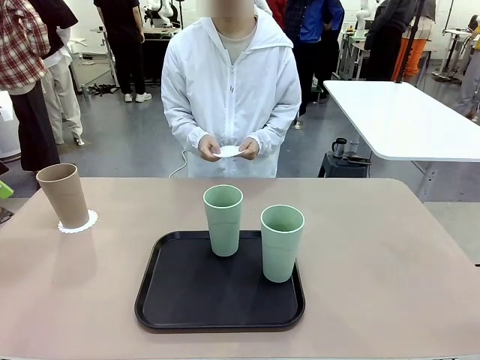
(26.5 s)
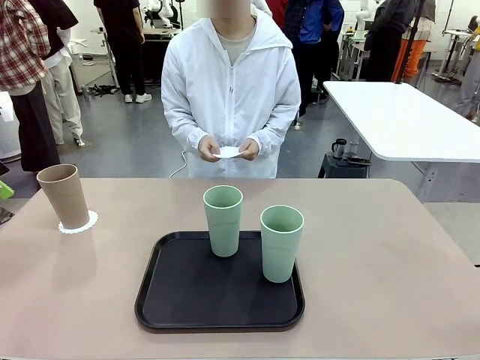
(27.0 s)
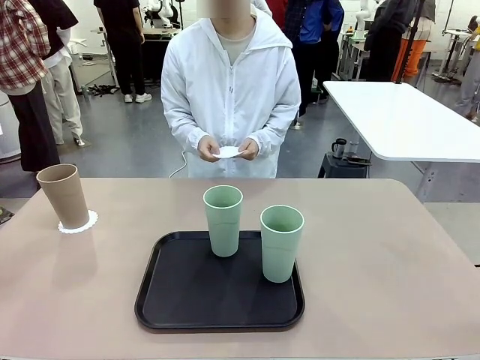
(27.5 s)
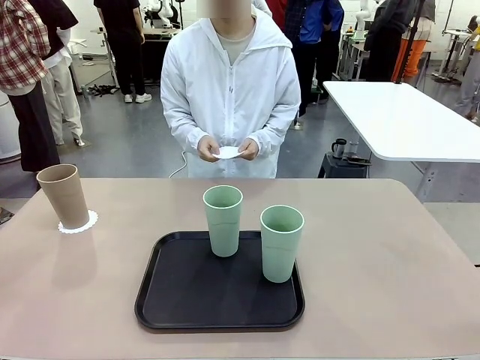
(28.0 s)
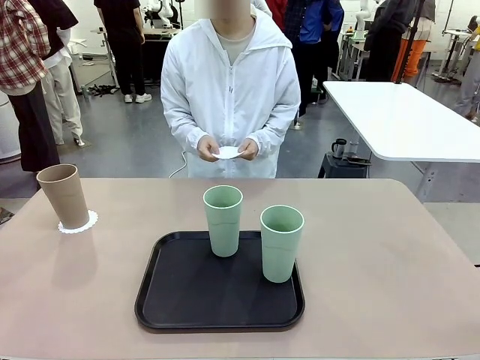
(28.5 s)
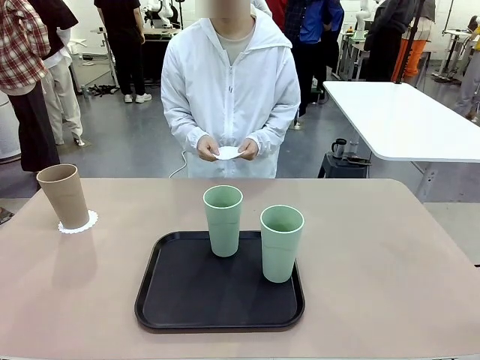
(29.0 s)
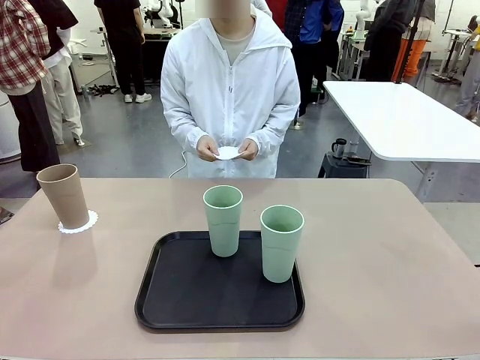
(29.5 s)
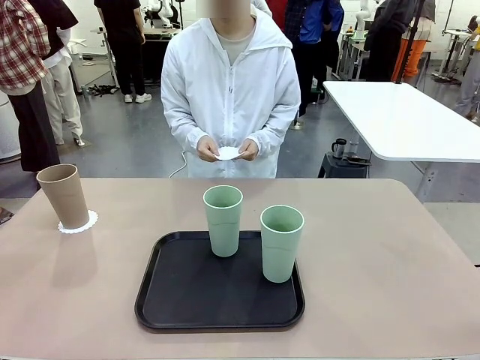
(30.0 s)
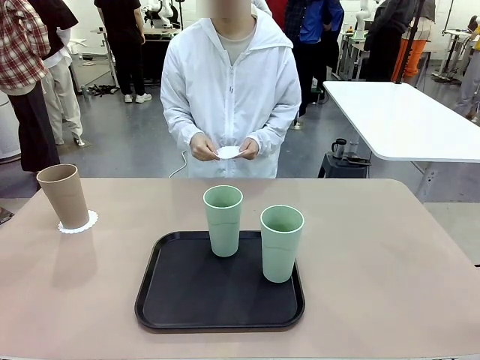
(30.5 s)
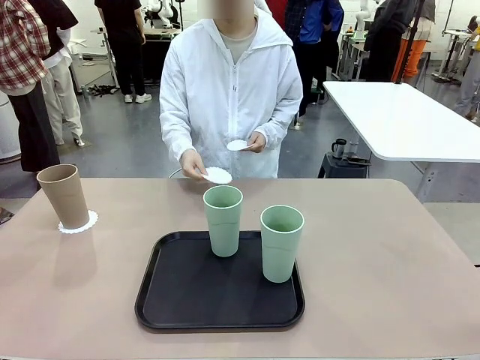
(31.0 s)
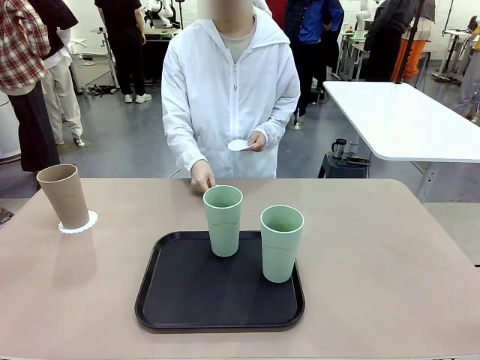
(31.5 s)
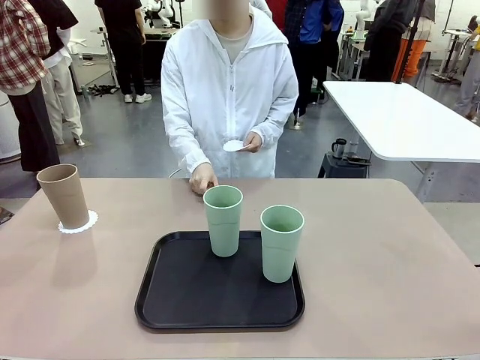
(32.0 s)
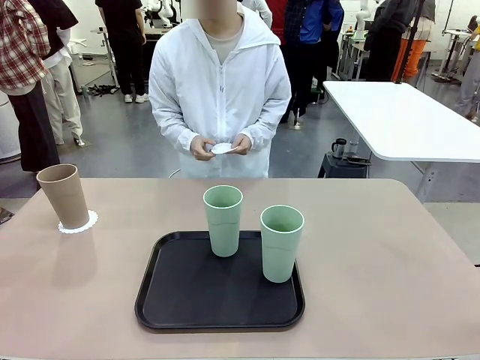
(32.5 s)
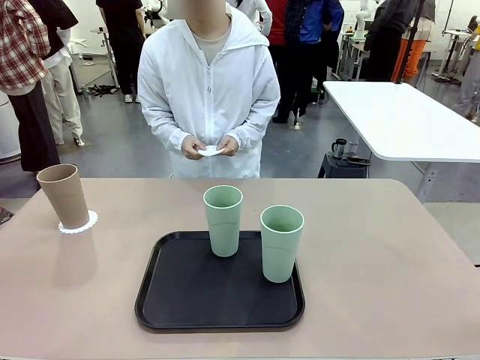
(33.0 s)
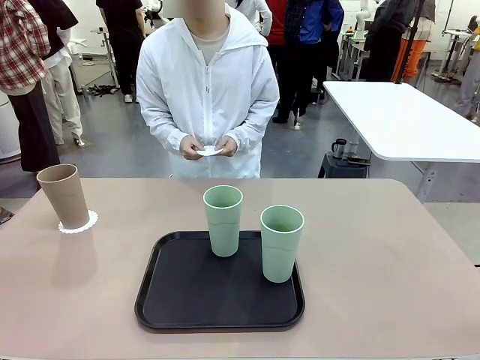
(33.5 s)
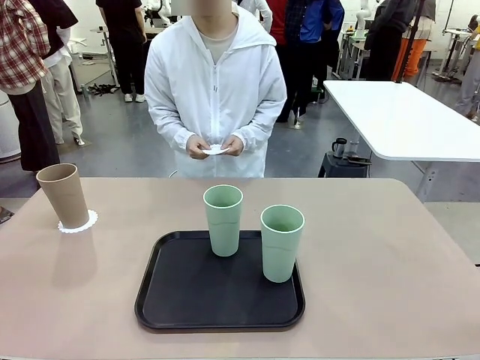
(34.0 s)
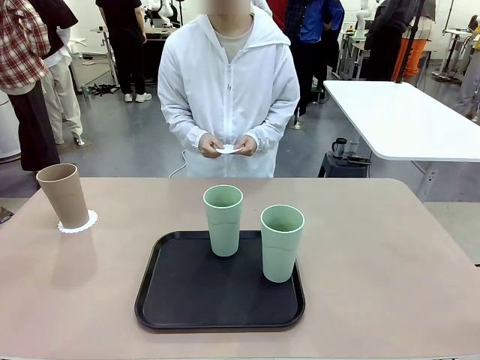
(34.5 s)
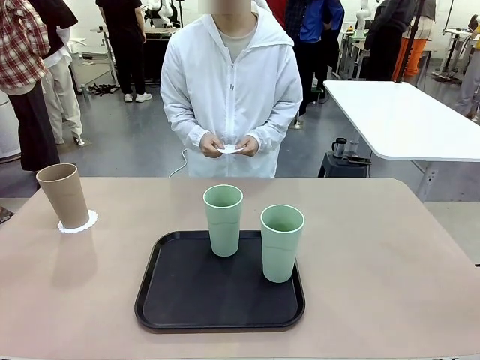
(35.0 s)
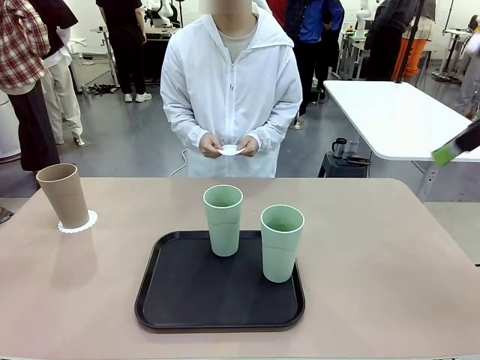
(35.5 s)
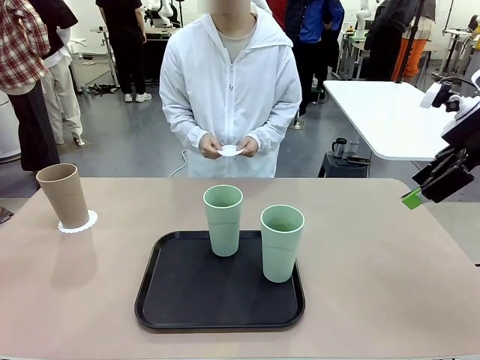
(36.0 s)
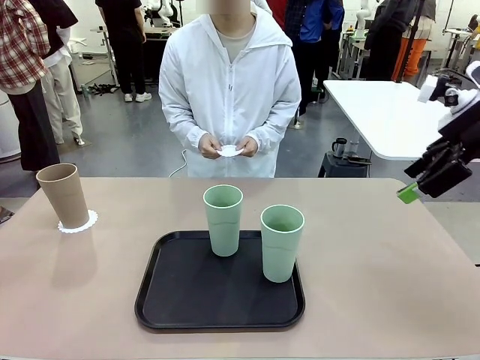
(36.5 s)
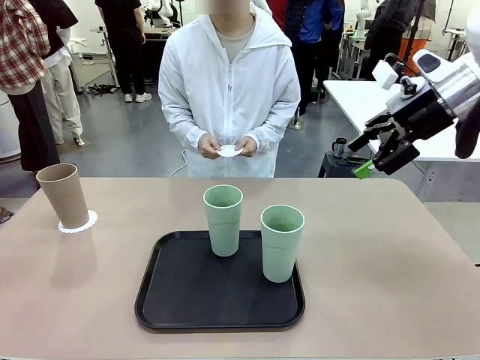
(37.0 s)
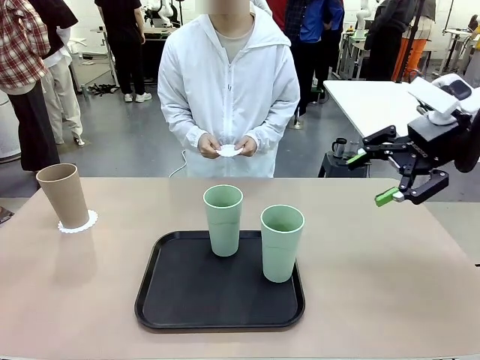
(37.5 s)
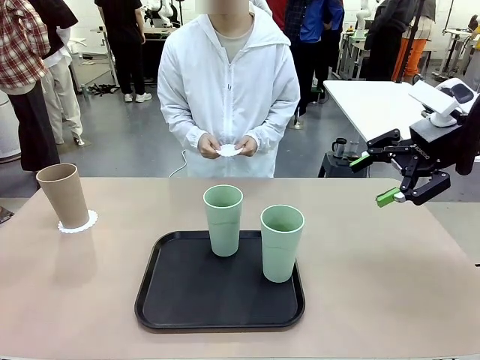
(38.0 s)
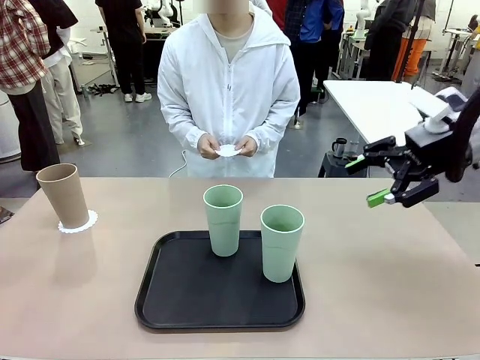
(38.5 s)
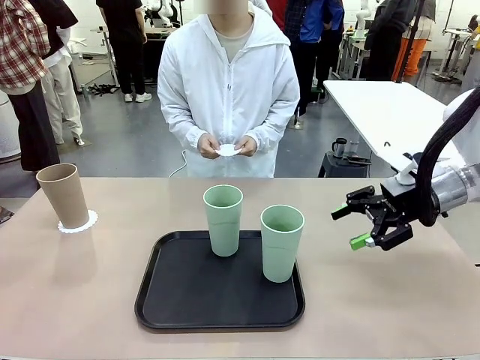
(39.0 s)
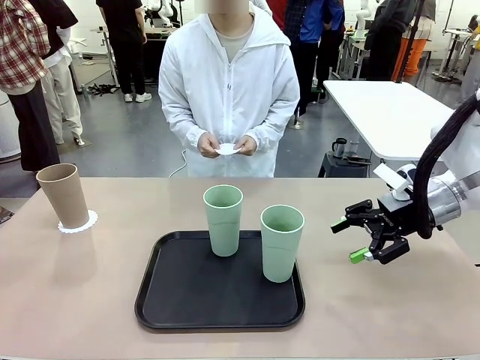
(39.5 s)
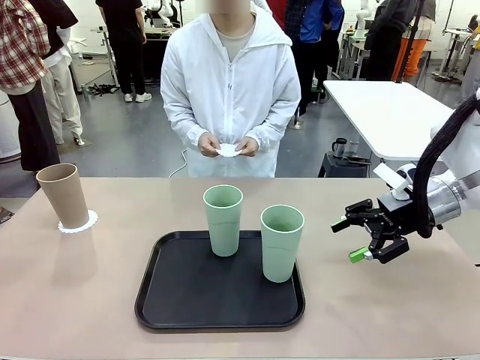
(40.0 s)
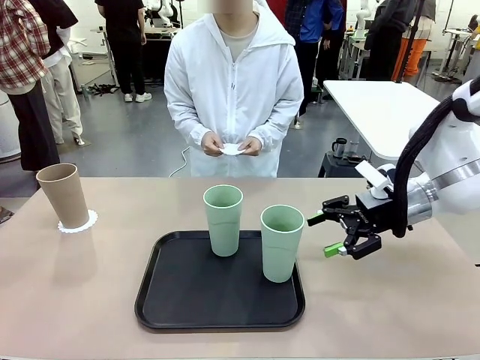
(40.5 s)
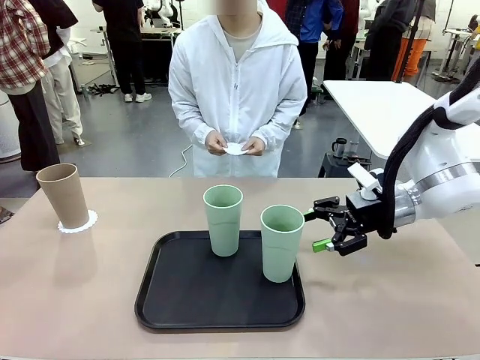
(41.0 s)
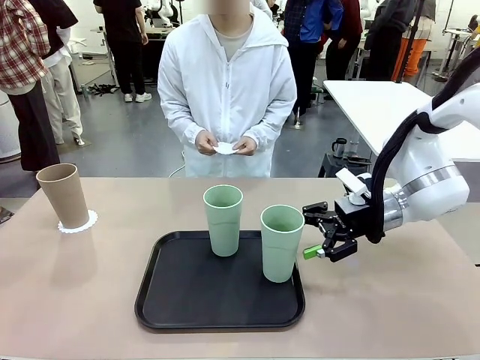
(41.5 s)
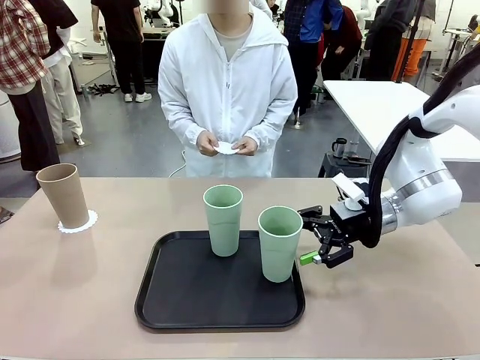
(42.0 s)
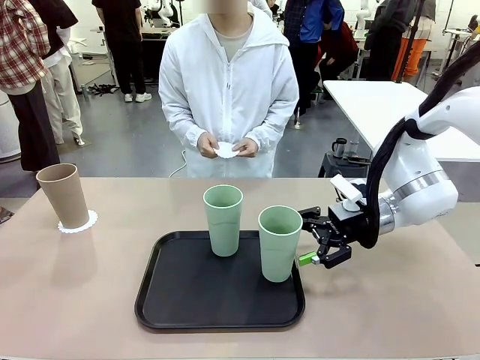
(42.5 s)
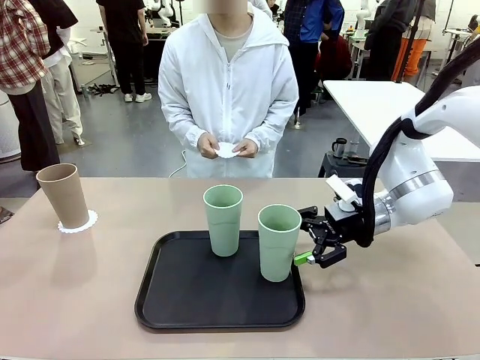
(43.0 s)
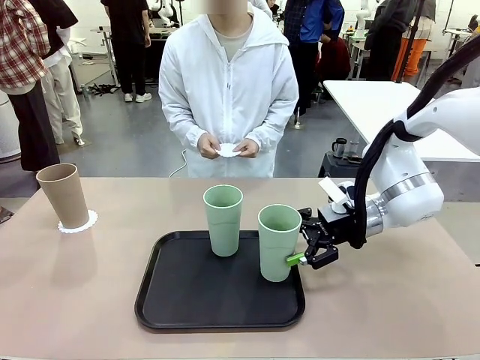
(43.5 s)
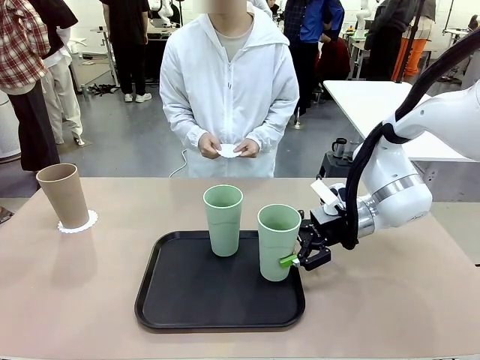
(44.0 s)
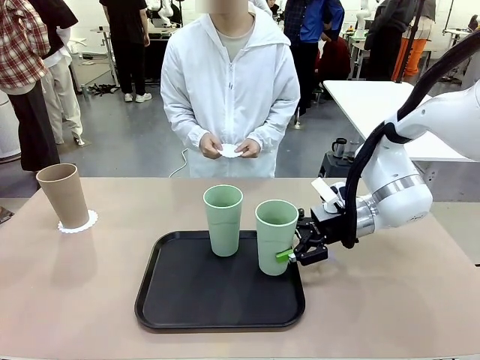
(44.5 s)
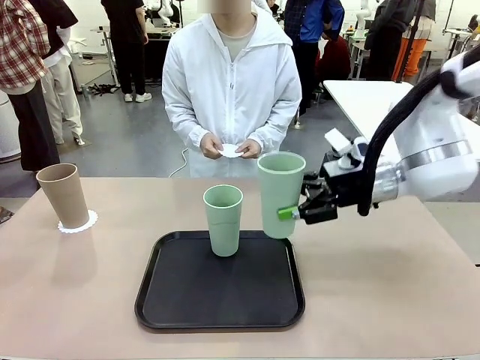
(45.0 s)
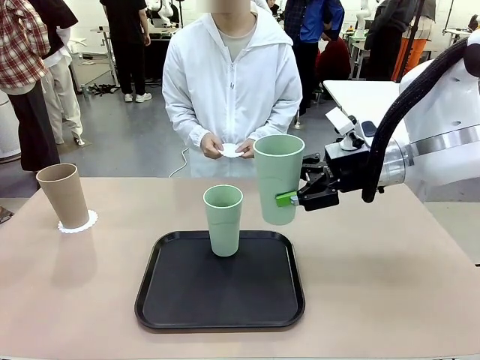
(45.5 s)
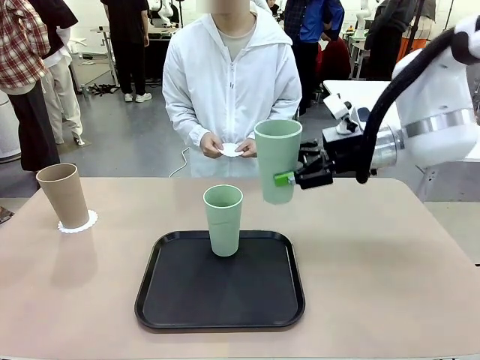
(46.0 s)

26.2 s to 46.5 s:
Task: Place coasters on the table and set cups on them.
Robot: Take one Reusable plastic cup from the Flat Tray and place it on a coaster set by the human.

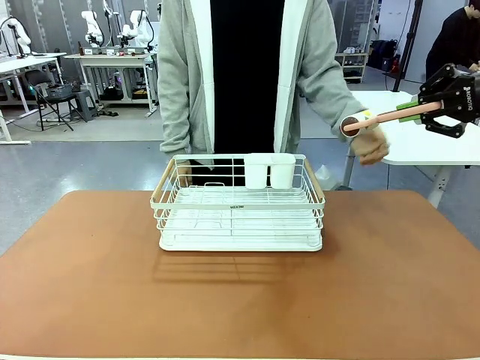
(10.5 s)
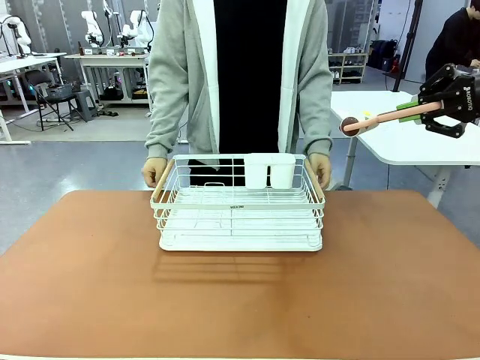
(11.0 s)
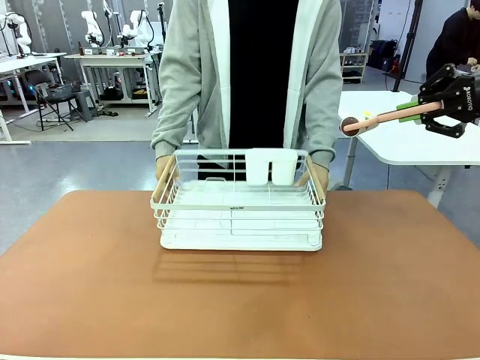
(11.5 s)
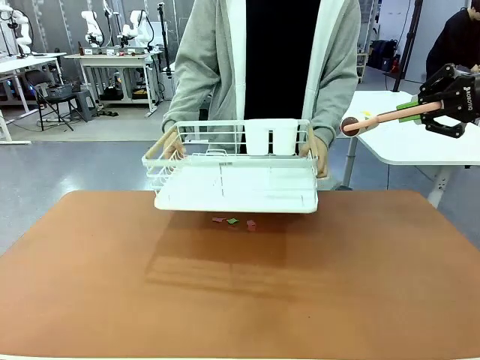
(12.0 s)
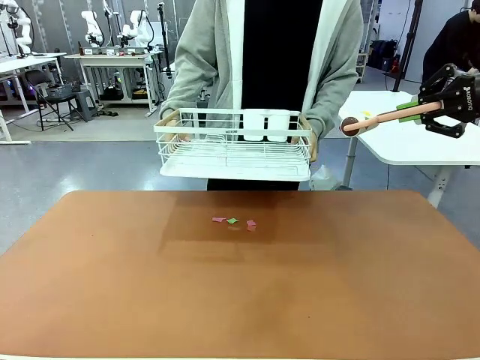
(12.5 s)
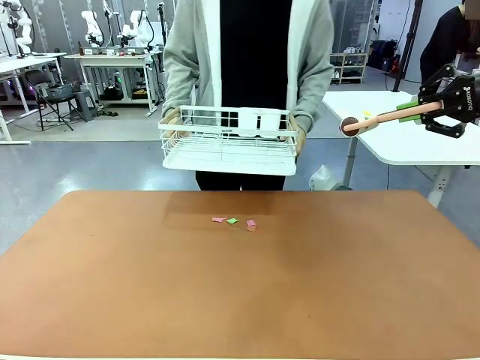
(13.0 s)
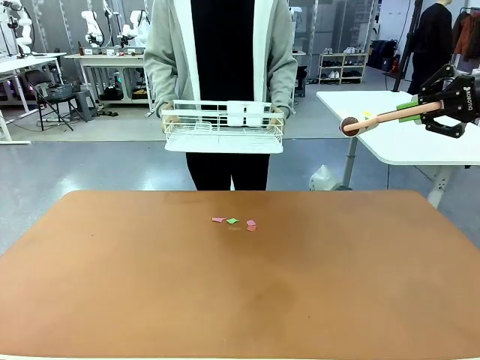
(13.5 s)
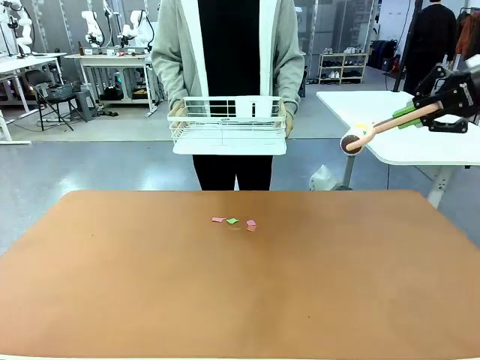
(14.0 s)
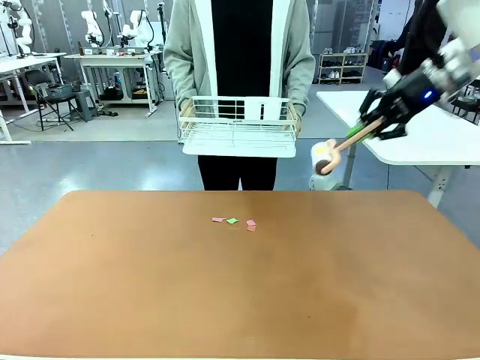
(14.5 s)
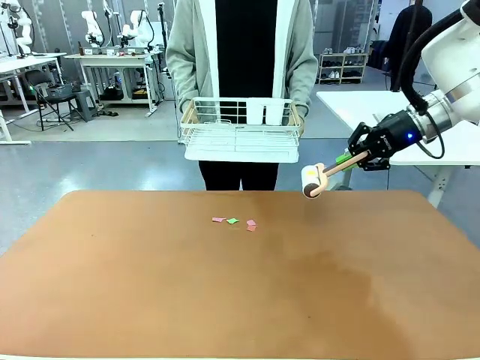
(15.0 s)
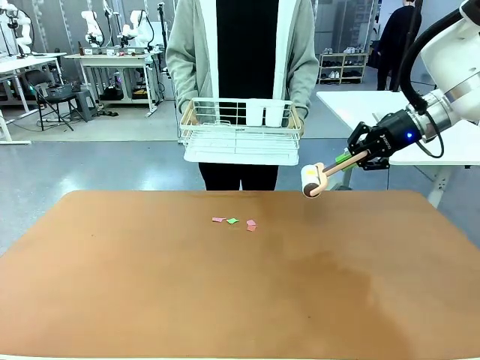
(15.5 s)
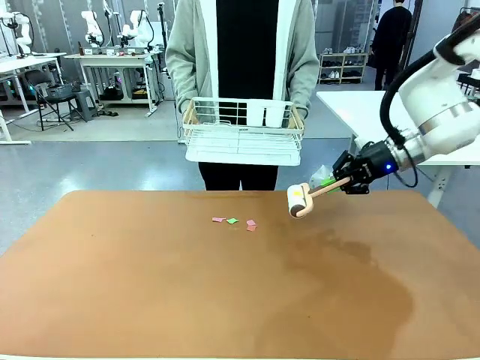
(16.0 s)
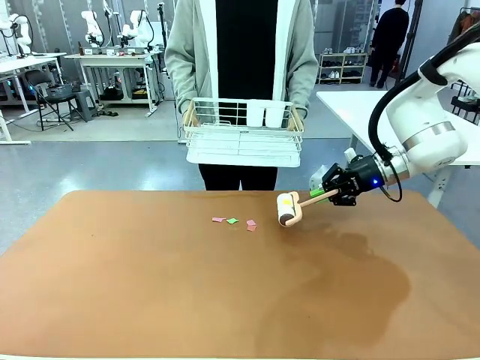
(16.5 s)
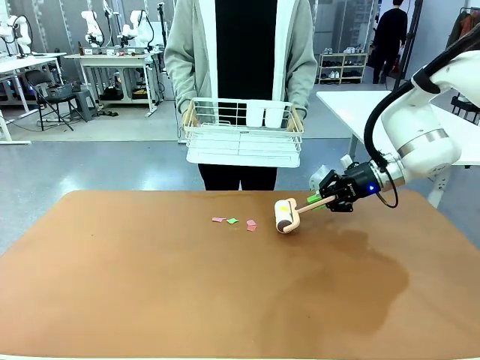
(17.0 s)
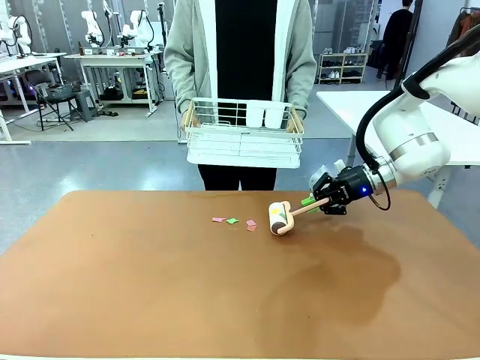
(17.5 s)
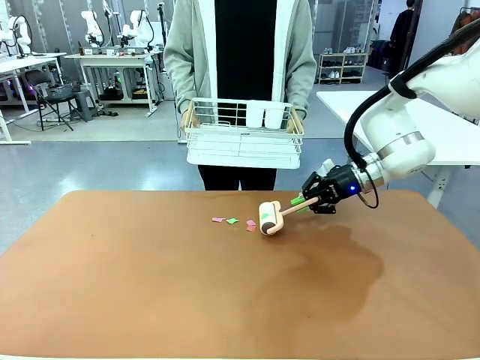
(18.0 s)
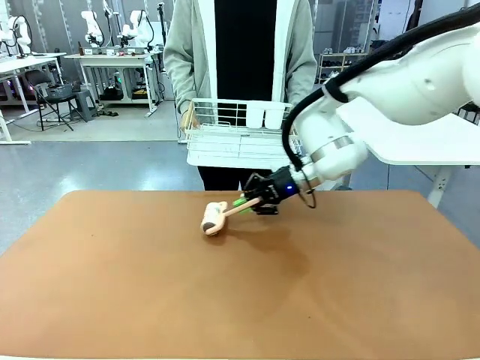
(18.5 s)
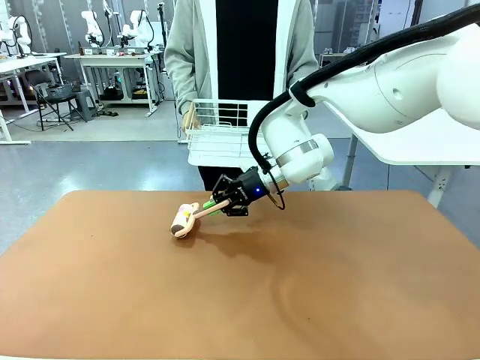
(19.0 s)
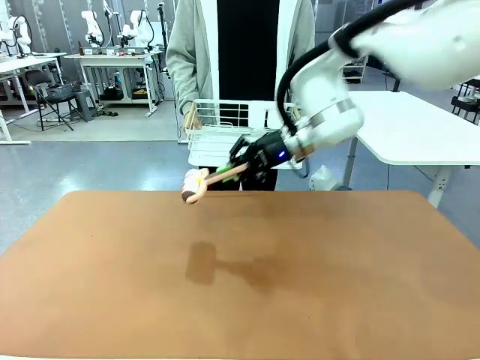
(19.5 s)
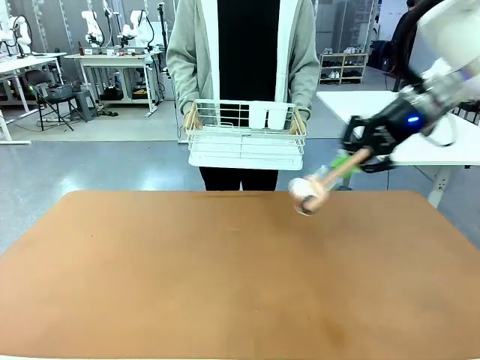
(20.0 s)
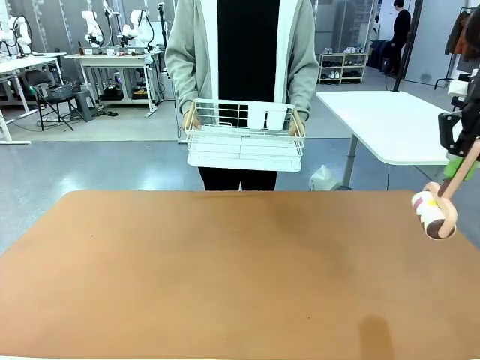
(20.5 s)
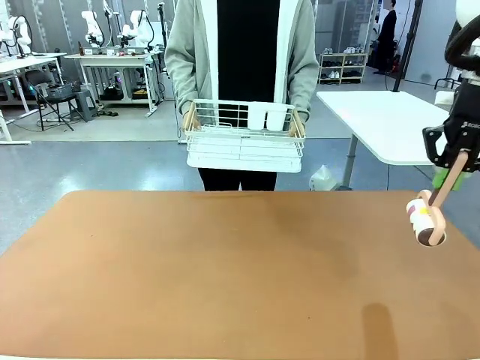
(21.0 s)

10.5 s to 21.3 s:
Task: Clean the table.
Robot: Clean the table with the Lint Roller when the human lifts the Dish drying rack.
Person: Place the Dish drying rack down when the robot finishes cleaning.
